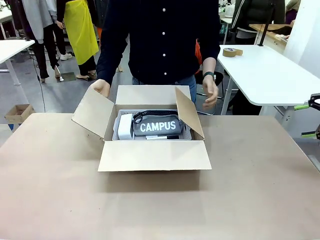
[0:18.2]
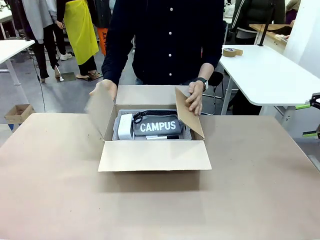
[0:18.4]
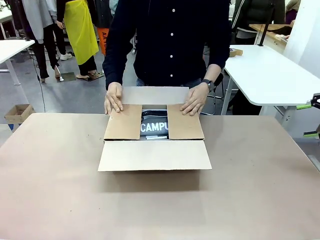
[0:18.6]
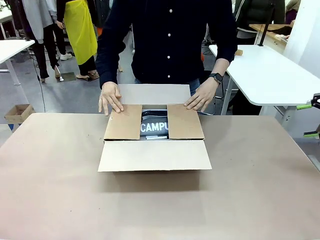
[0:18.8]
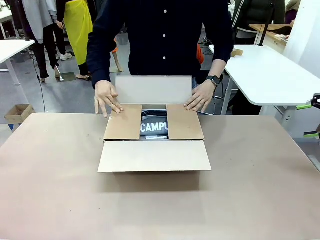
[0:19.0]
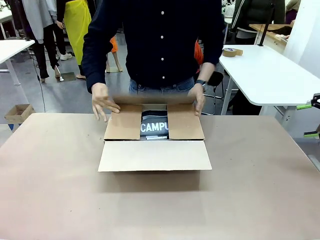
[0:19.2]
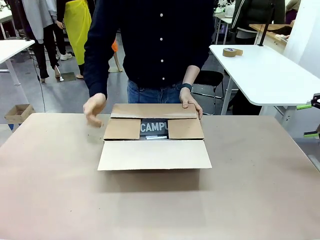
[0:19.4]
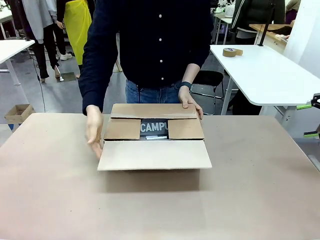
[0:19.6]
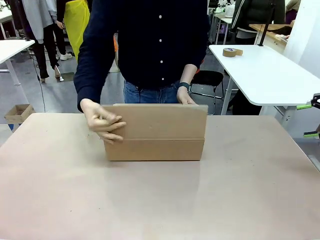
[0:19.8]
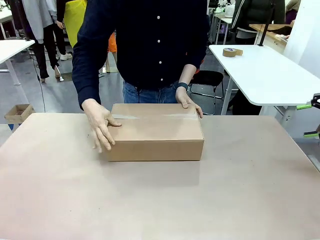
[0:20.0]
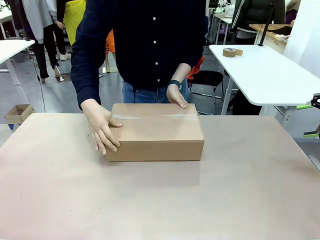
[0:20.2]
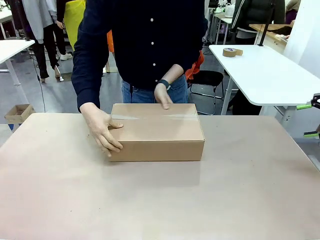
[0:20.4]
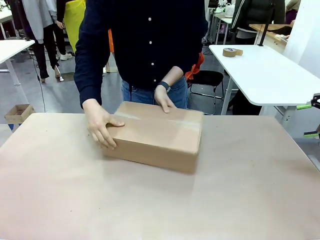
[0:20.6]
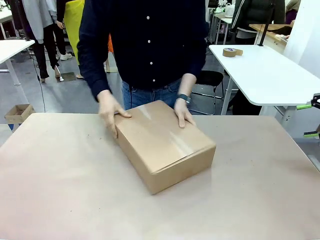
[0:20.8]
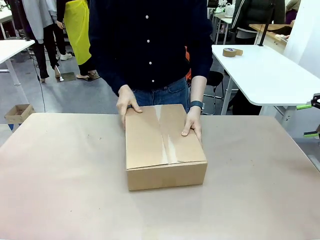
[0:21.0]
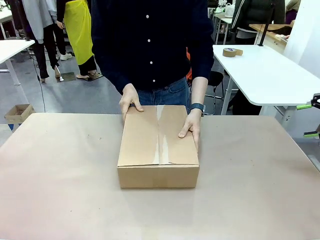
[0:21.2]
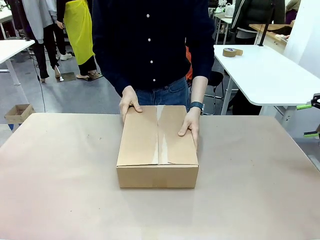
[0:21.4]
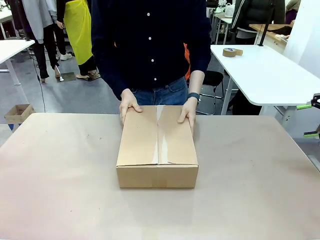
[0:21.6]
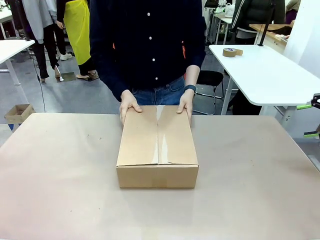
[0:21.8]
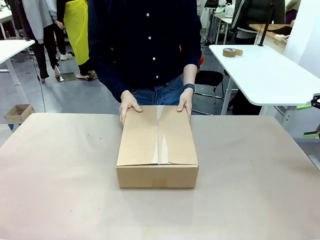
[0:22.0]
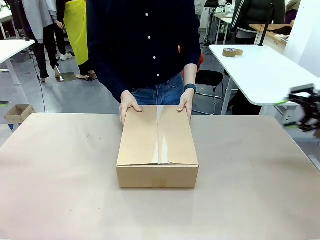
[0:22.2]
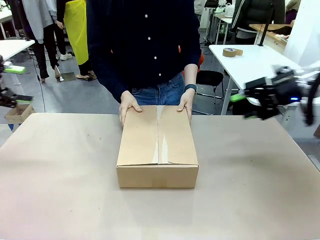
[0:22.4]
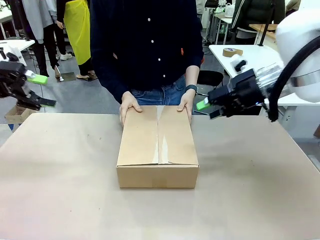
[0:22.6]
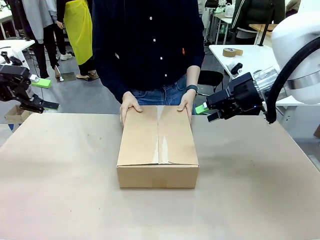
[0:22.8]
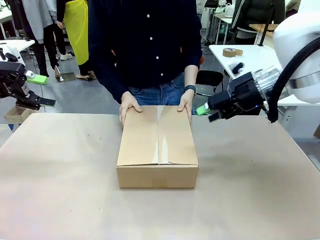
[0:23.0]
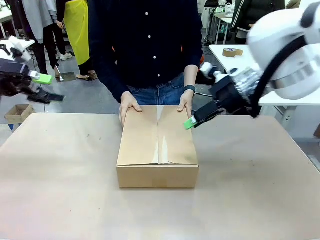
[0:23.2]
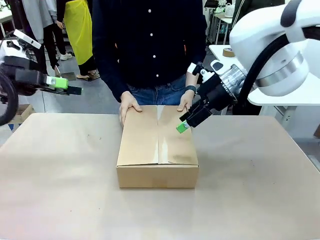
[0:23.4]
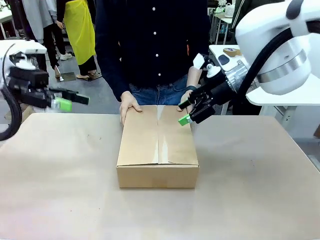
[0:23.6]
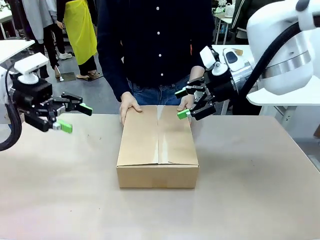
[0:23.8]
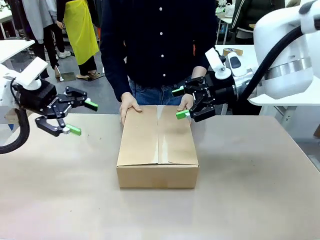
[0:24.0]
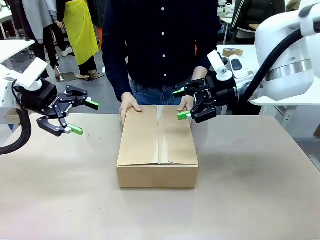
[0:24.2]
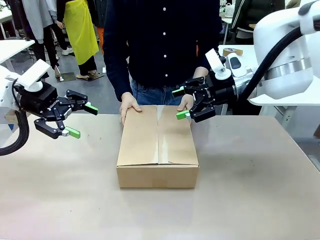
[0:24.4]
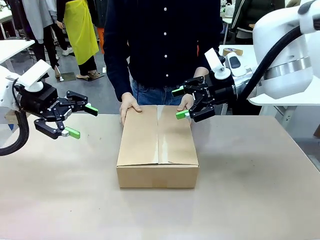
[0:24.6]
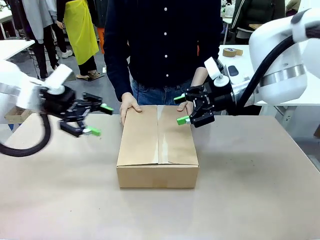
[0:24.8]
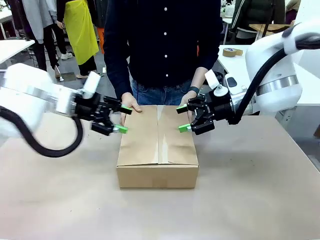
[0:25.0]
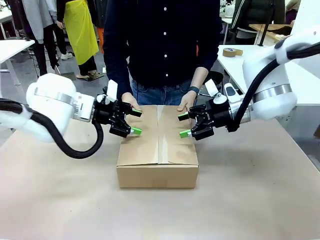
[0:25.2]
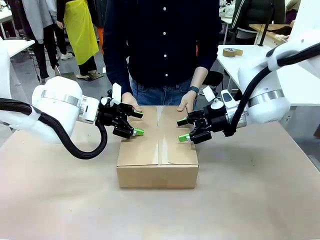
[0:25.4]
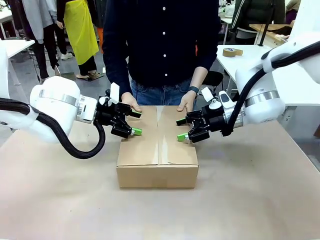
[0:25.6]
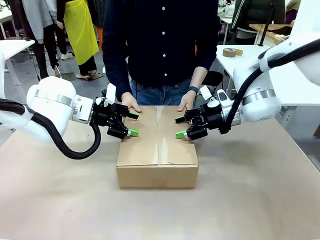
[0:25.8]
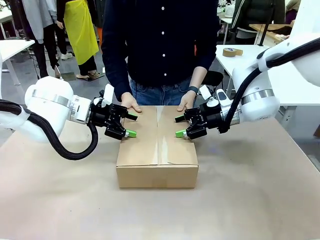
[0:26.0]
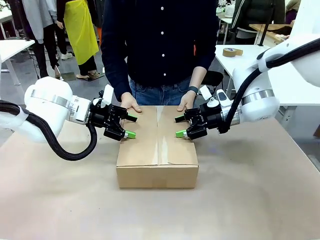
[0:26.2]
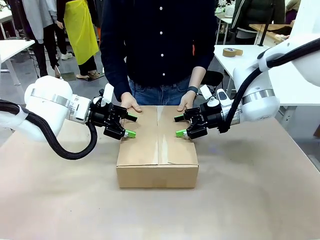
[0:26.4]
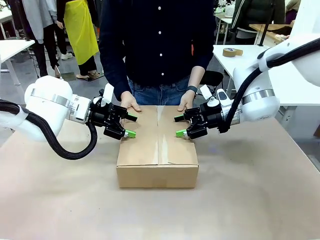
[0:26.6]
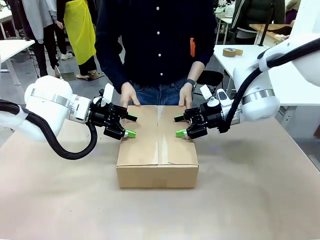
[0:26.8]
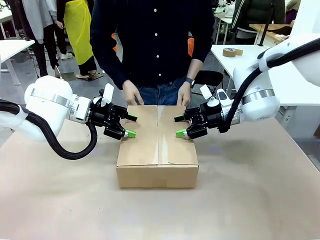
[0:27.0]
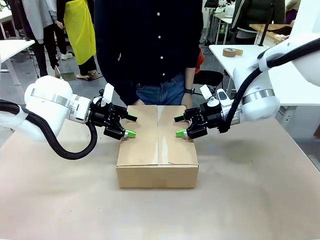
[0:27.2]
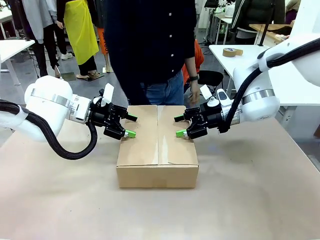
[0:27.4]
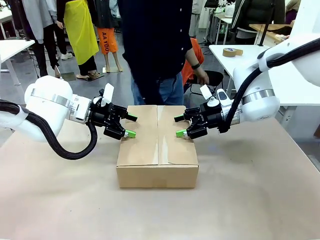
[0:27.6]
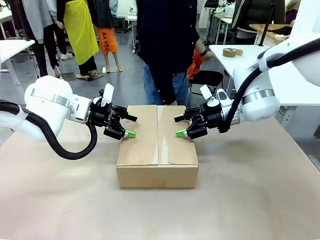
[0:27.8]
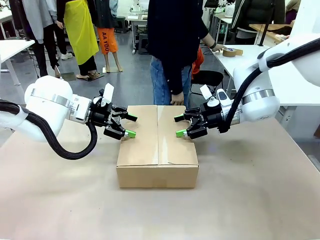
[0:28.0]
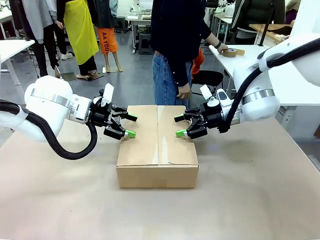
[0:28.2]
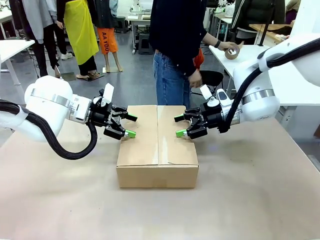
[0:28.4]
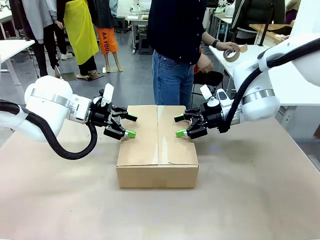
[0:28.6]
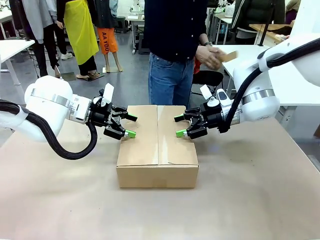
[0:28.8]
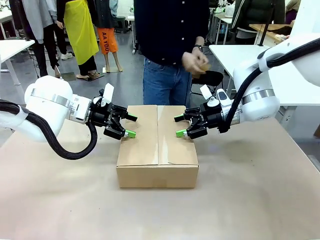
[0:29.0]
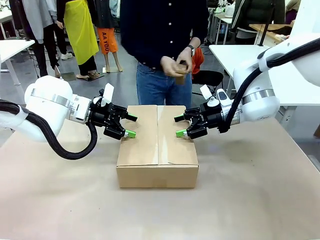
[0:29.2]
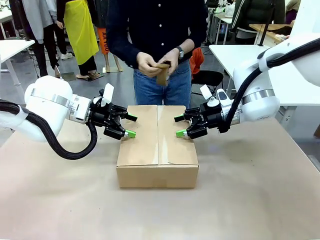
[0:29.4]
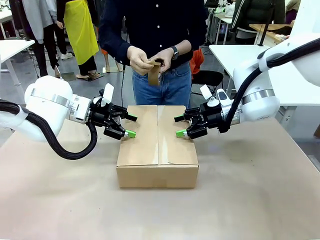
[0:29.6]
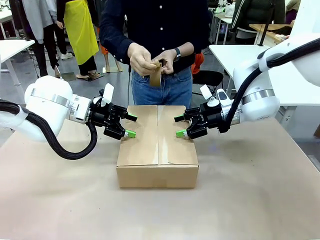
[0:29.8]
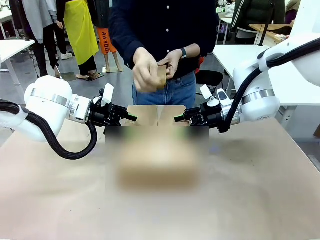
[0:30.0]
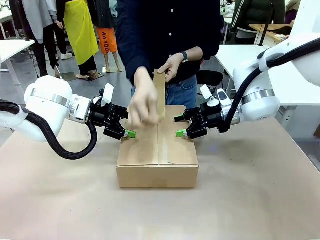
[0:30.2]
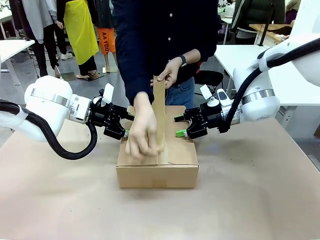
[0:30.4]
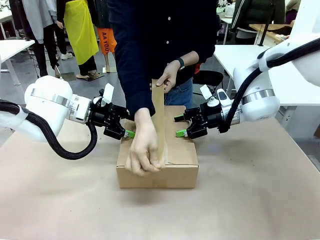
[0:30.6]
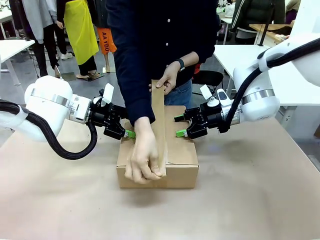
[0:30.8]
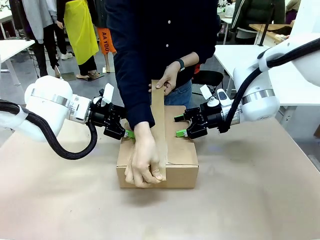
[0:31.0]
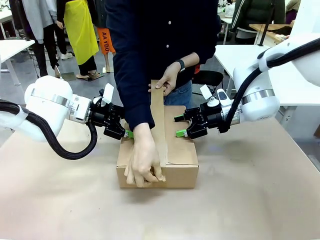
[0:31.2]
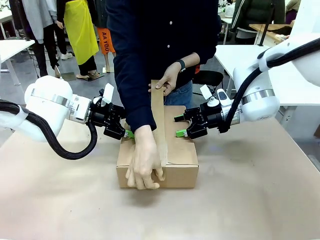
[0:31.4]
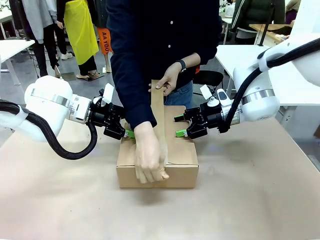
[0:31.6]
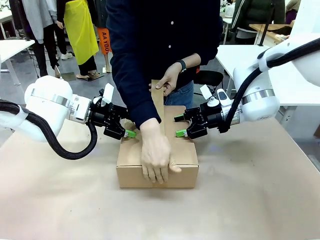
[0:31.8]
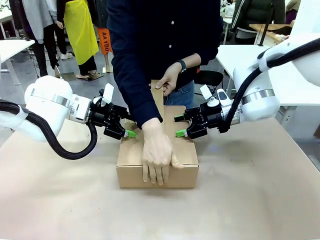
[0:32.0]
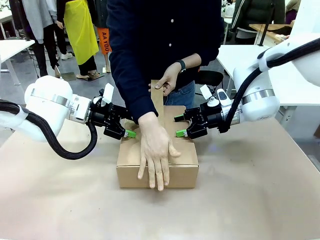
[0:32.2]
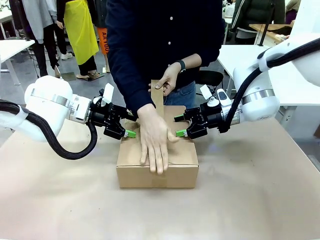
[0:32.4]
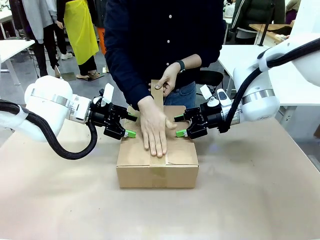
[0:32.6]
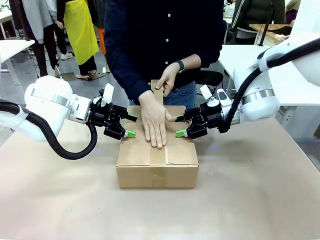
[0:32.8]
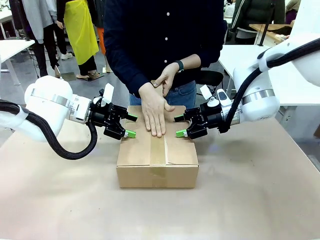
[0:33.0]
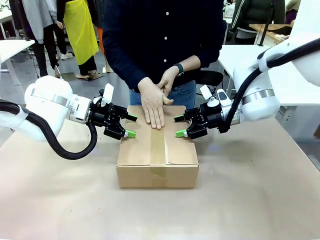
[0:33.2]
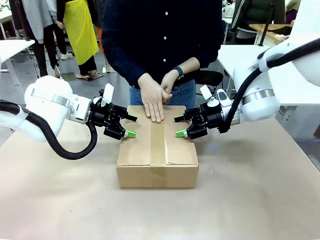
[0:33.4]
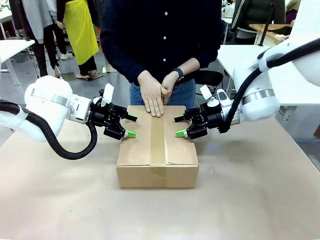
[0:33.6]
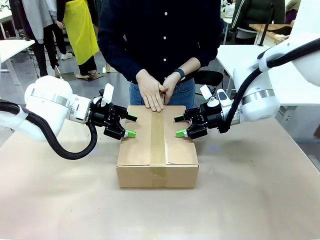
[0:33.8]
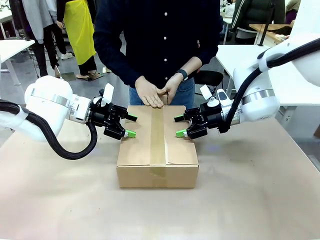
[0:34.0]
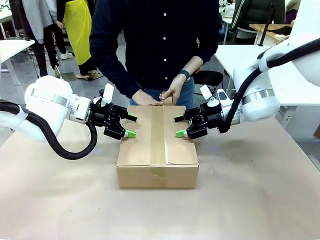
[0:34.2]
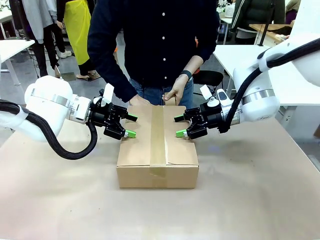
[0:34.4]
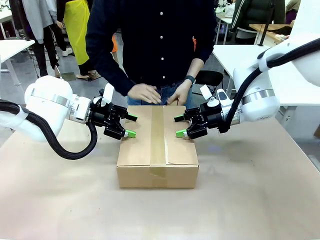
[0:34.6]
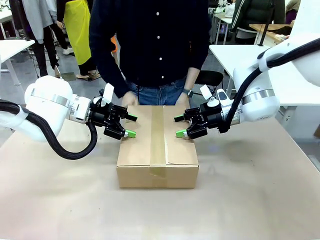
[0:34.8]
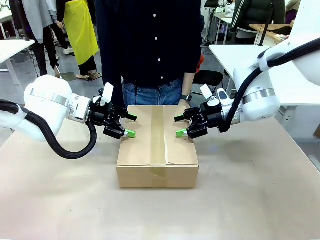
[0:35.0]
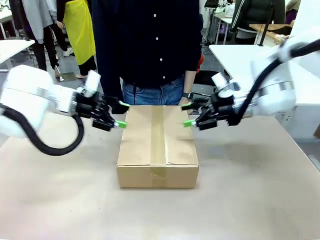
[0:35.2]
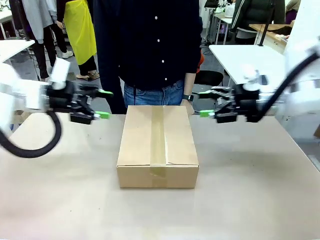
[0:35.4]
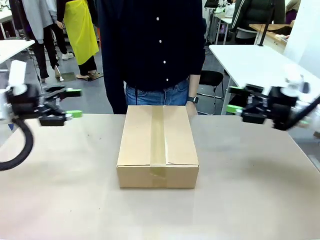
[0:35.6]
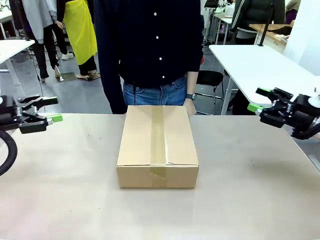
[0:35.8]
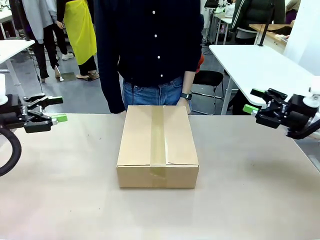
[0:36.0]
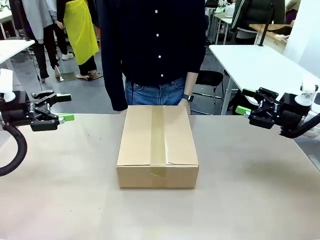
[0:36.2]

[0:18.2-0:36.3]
Task: Pack the gift set into the box.
Robot: Press and hold the closed box until the human finishes sealing it.
Person: The human closes the box and rotates the box by 90 degrees. The human picks up the paper tape from the human table and packs the box.
